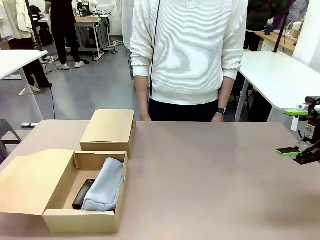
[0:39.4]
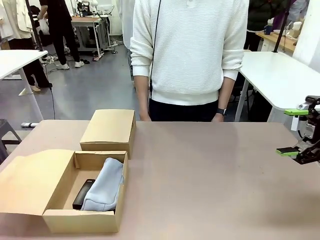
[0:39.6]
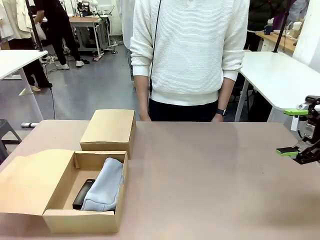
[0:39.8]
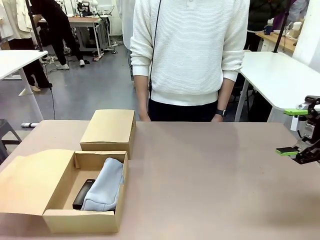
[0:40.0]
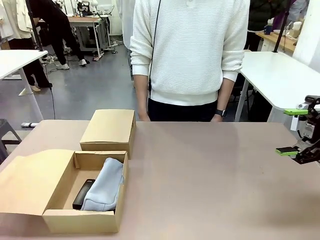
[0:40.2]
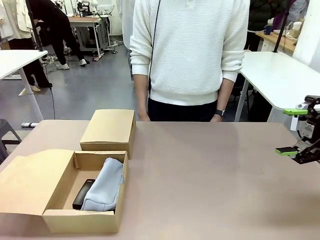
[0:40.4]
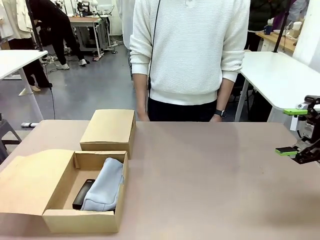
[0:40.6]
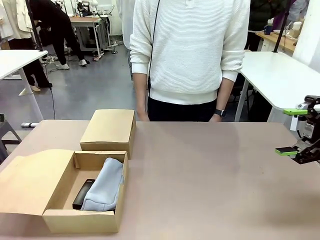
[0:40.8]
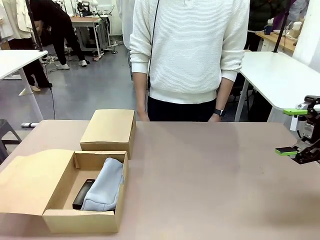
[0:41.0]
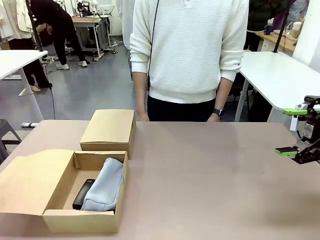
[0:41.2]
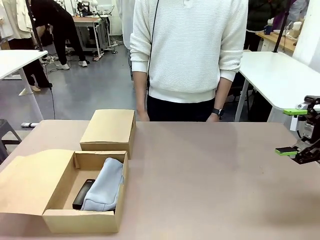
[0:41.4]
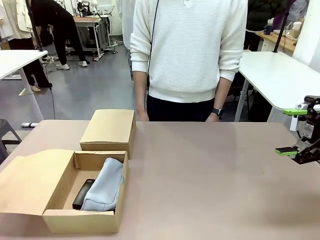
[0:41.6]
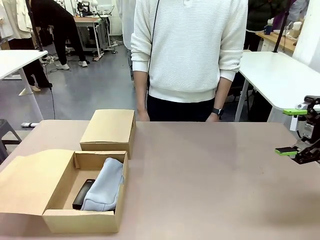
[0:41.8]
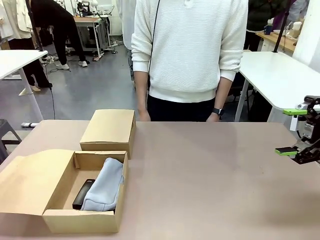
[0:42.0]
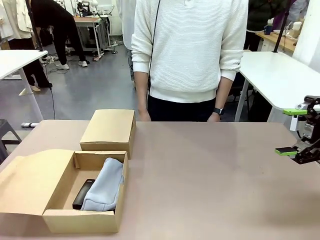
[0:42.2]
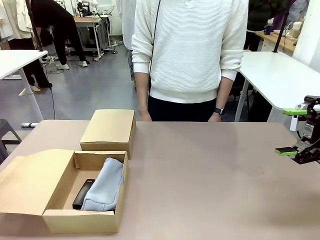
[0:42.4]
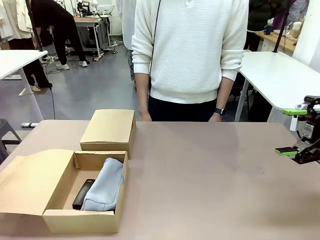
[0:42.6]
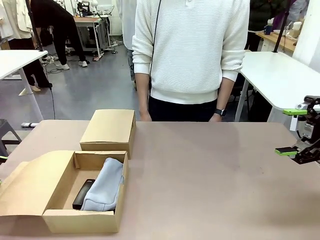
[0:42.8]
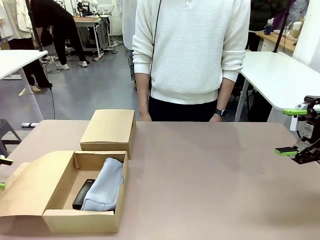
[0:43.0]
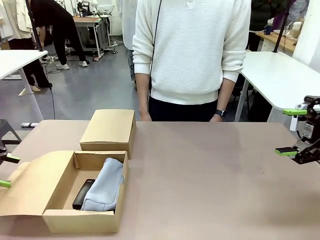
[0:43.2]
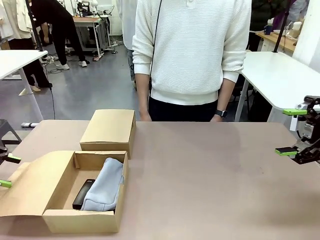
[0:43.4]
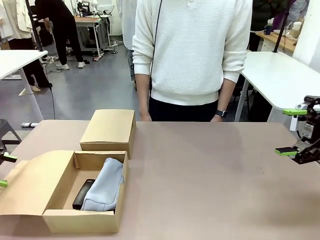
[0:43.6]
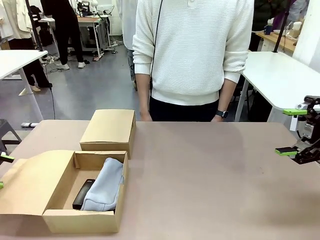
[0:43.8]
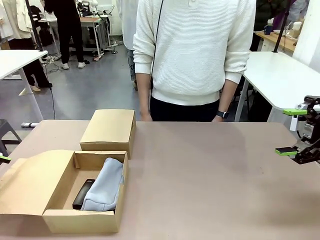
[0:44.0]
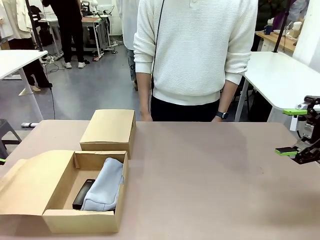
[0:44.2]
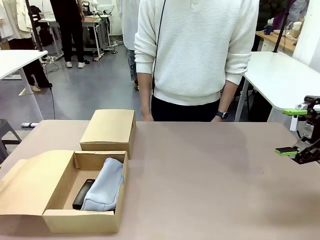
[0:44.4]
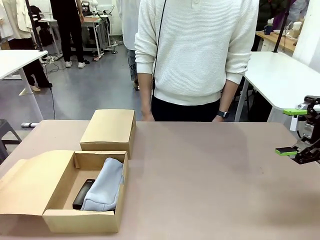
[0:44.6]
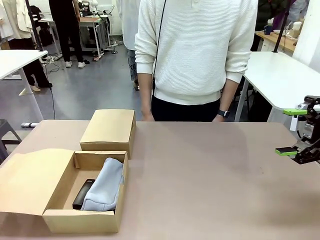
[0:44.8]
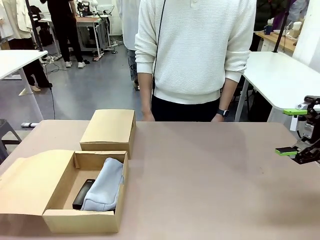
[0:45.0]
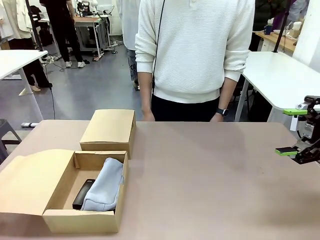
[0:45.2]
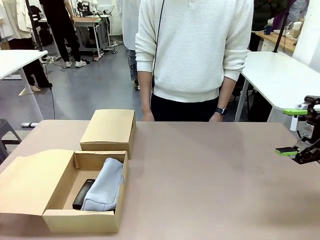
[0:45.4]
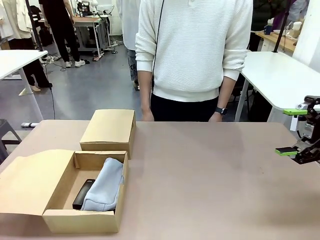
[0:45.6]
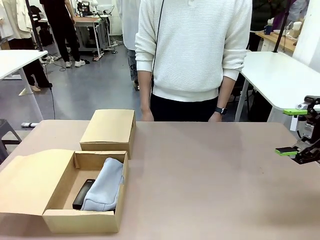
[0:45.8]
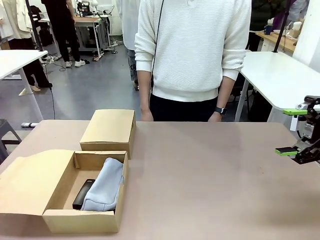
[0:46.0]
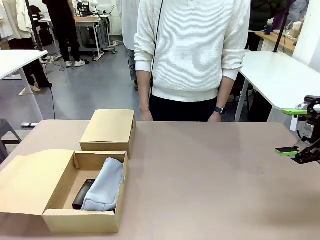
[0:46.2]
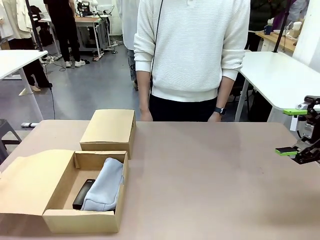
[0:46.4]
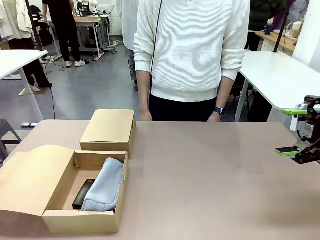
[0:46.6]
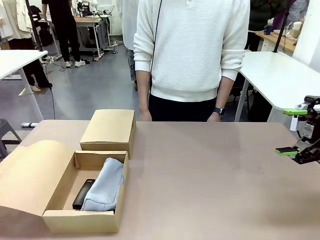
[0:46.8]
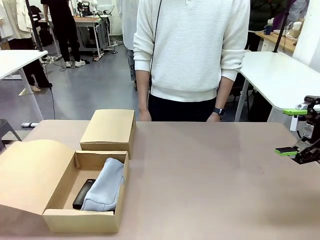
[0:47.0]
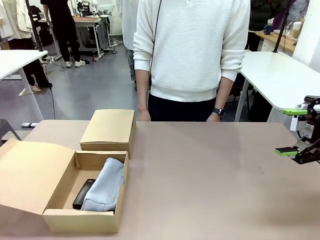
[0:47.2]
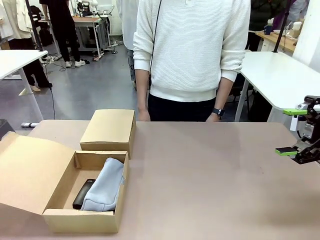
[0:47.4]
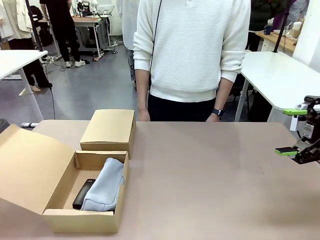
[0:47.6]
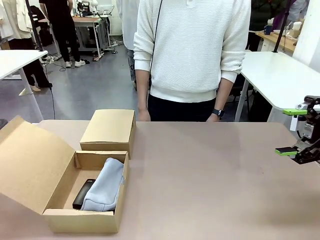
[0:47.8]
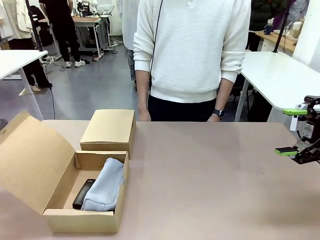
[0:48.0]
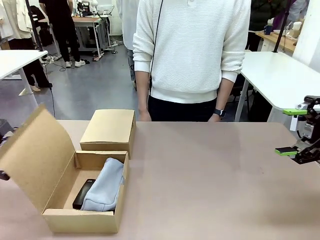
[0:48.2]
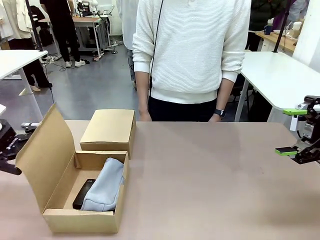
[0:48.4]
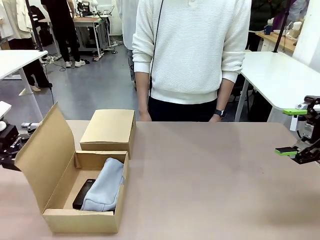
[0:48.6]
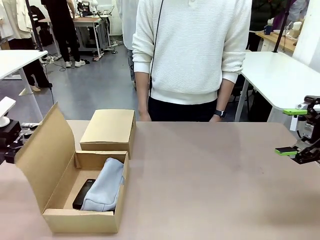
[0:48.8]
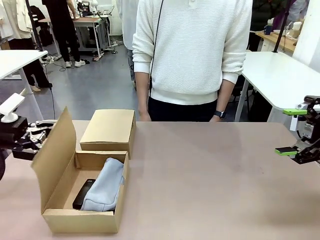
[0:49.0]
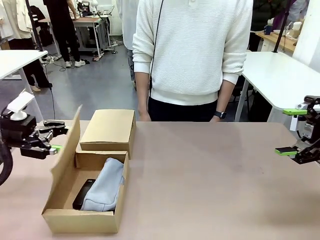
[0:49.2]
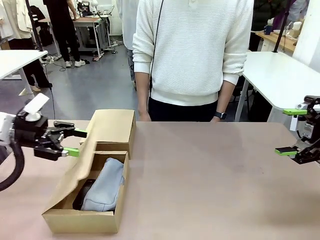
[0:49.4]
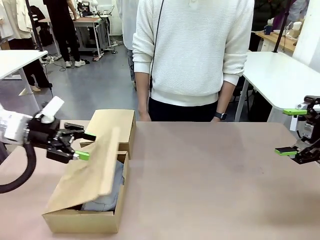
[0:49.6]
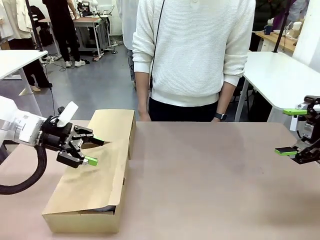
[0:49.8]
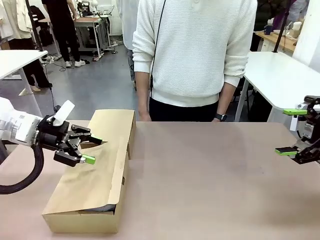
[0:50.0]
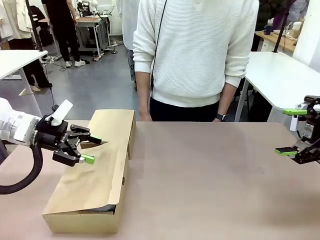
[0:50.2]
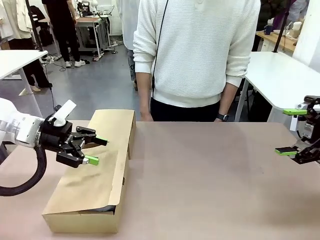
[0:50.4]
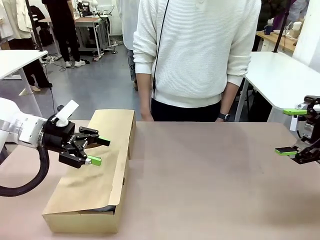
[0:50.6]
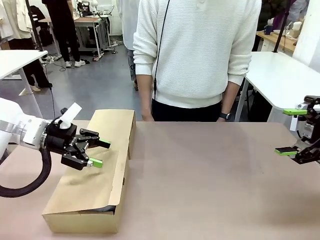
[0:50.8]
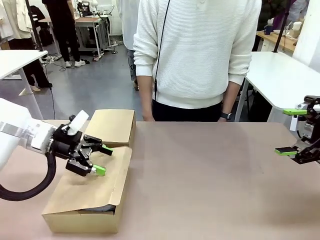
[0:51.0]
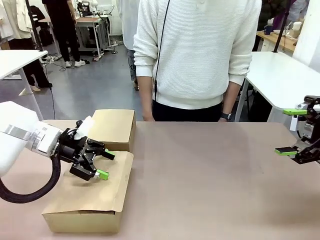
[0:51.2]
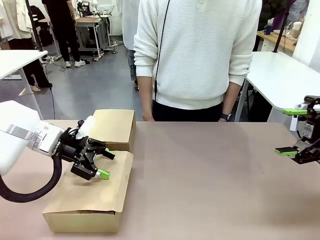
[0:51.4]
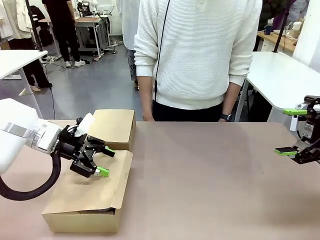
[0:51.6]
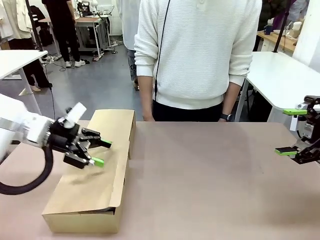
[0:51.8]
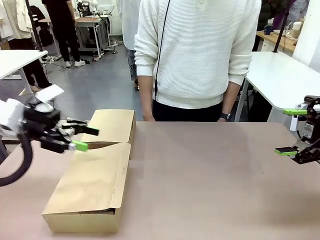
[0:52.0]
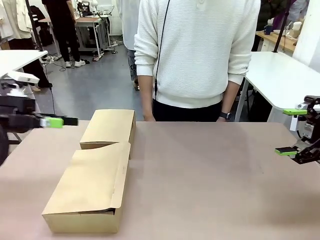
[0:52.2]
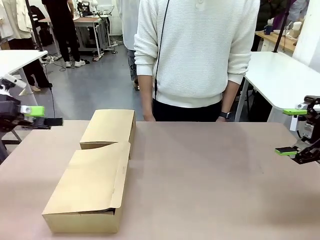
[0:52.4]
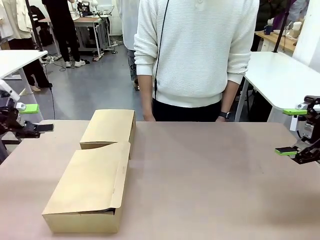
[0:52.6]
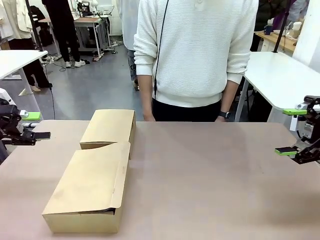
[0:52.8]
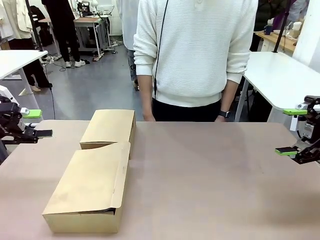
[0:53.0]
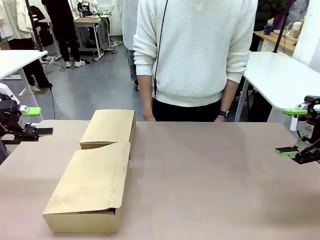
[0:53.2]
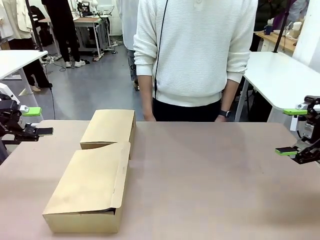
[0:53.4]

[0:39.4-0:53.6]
Task: Place items inside the box.
Robot: Close the lid of the Mailer Box closest to the robot.
Person: Close the lid of the box facing the person.
